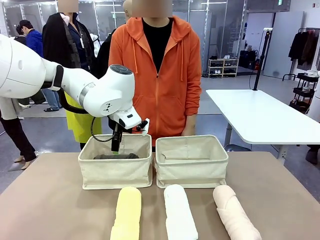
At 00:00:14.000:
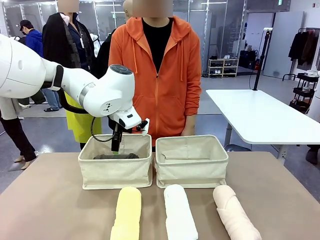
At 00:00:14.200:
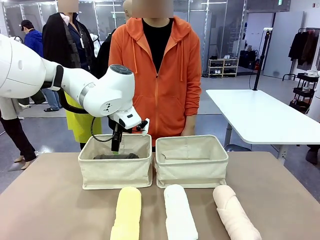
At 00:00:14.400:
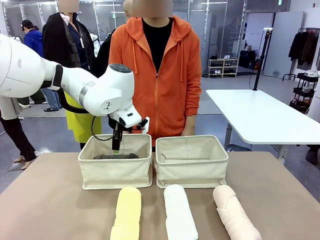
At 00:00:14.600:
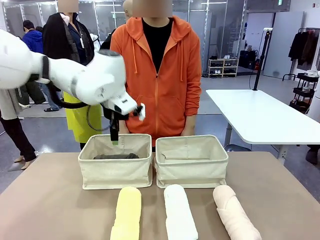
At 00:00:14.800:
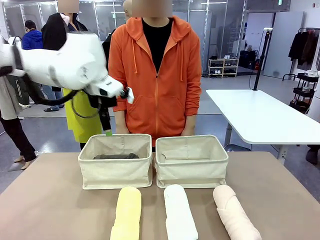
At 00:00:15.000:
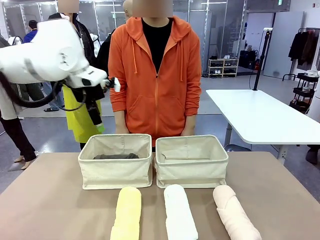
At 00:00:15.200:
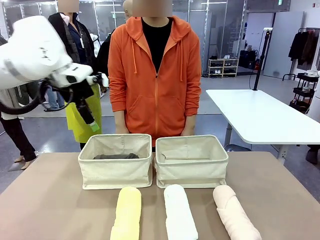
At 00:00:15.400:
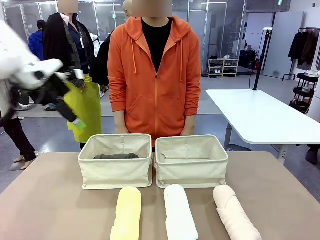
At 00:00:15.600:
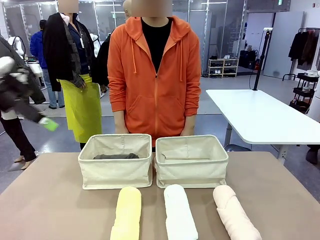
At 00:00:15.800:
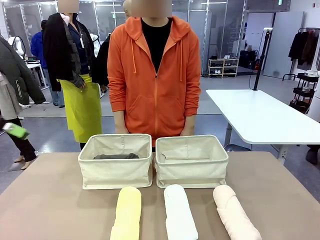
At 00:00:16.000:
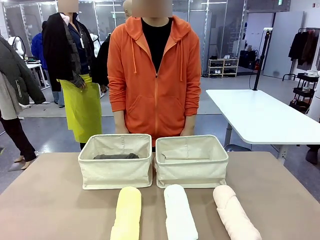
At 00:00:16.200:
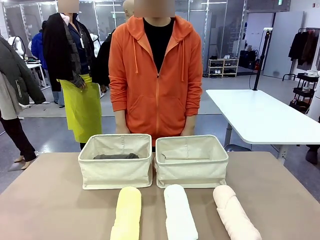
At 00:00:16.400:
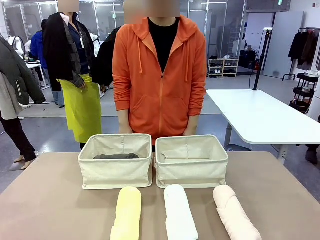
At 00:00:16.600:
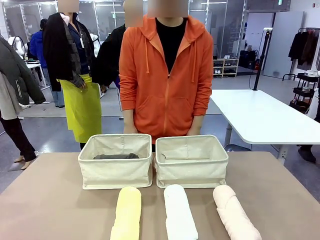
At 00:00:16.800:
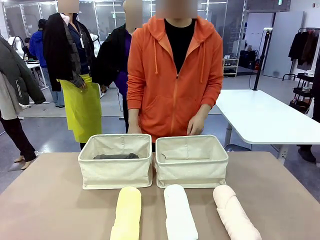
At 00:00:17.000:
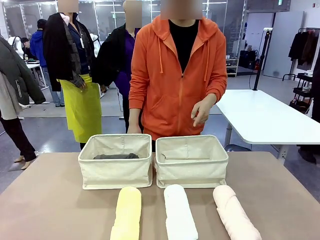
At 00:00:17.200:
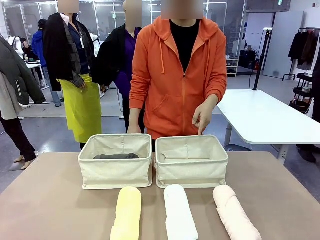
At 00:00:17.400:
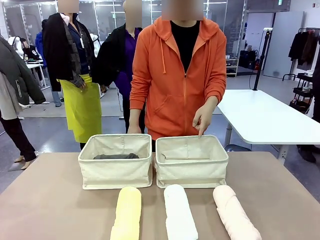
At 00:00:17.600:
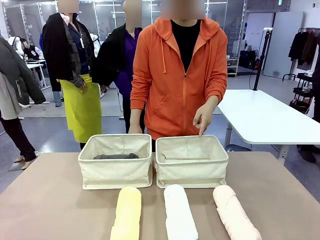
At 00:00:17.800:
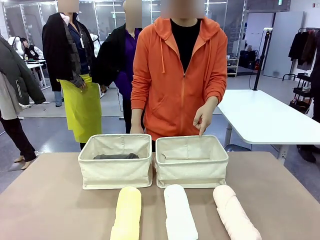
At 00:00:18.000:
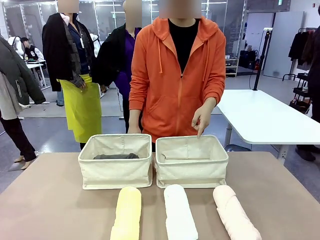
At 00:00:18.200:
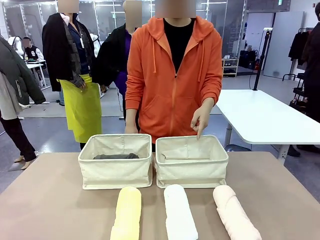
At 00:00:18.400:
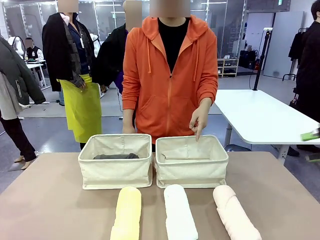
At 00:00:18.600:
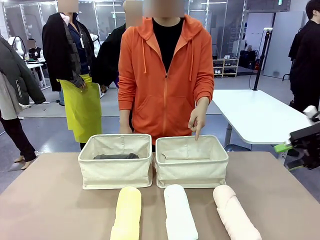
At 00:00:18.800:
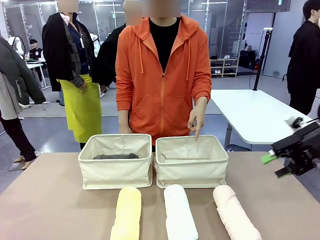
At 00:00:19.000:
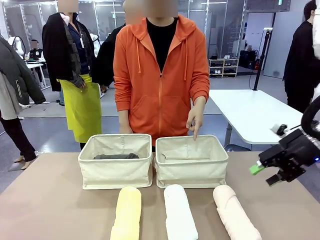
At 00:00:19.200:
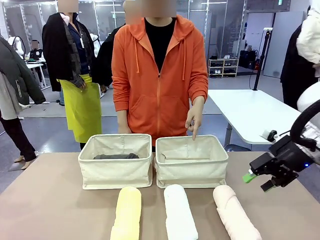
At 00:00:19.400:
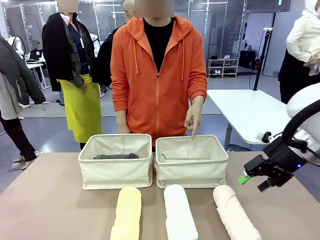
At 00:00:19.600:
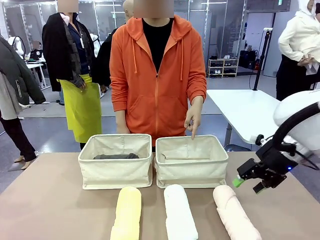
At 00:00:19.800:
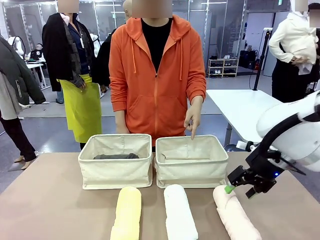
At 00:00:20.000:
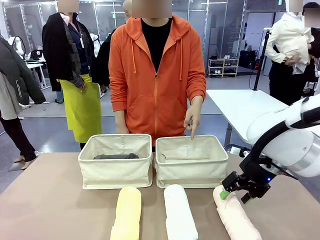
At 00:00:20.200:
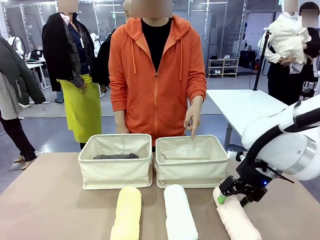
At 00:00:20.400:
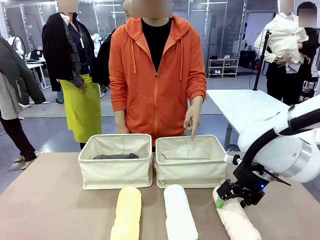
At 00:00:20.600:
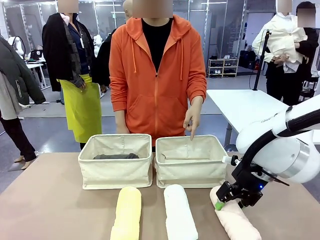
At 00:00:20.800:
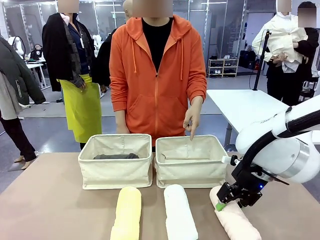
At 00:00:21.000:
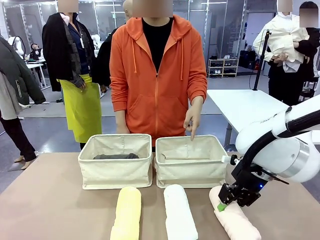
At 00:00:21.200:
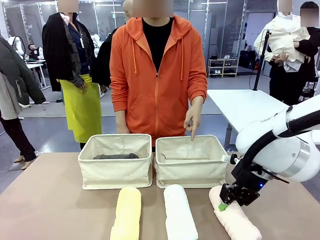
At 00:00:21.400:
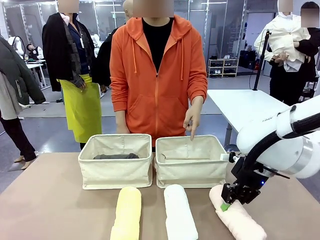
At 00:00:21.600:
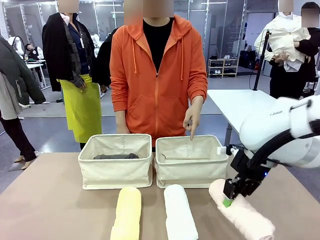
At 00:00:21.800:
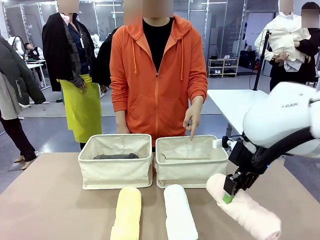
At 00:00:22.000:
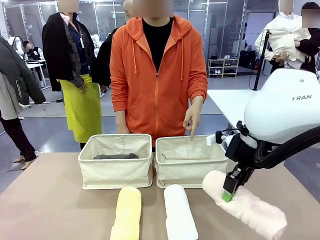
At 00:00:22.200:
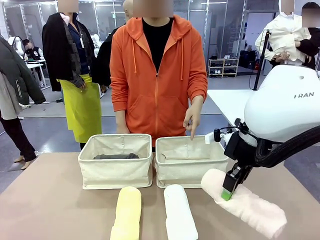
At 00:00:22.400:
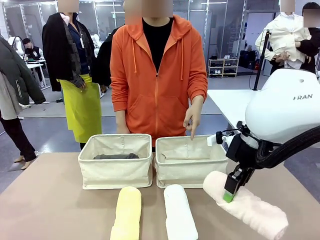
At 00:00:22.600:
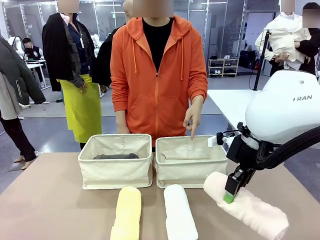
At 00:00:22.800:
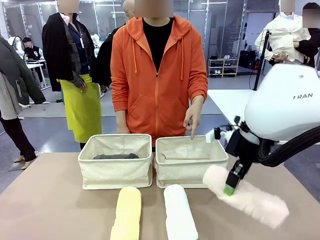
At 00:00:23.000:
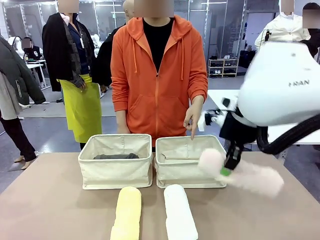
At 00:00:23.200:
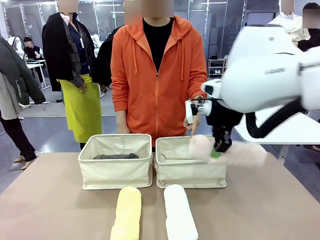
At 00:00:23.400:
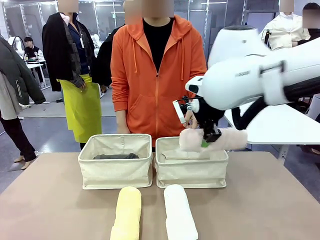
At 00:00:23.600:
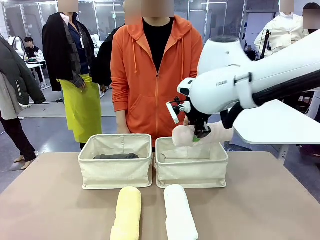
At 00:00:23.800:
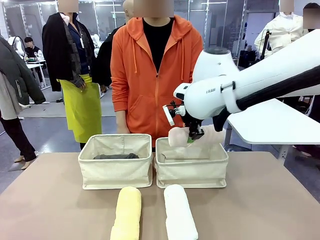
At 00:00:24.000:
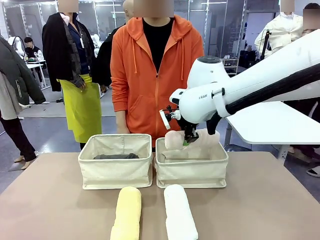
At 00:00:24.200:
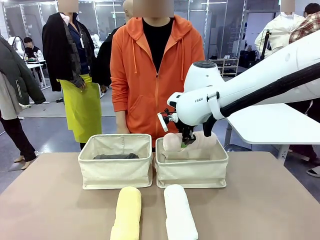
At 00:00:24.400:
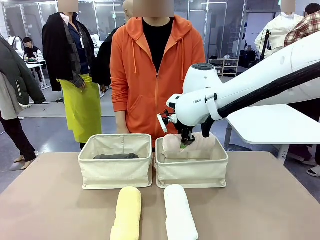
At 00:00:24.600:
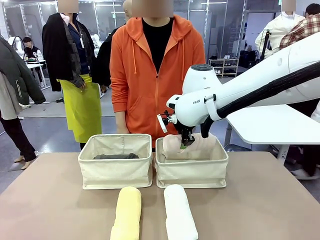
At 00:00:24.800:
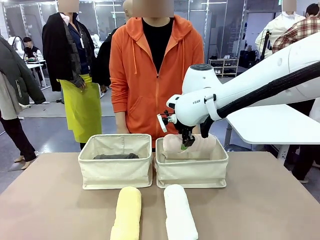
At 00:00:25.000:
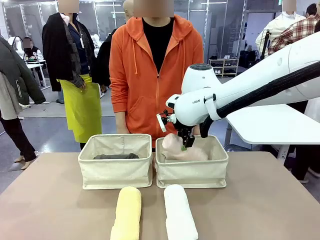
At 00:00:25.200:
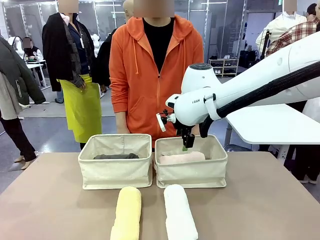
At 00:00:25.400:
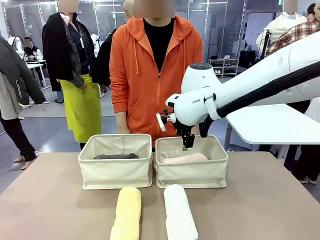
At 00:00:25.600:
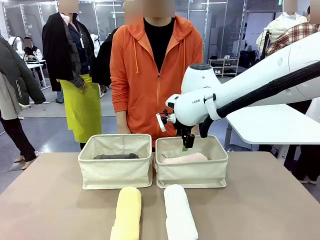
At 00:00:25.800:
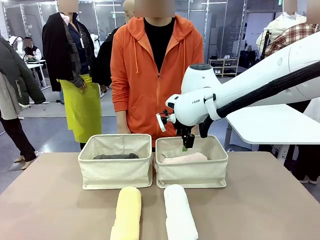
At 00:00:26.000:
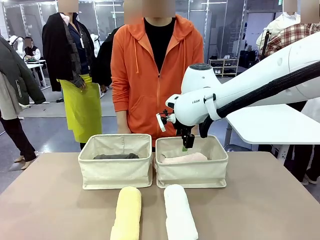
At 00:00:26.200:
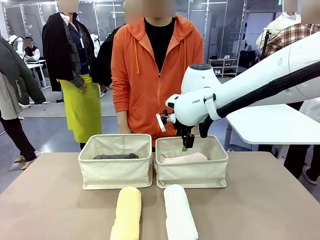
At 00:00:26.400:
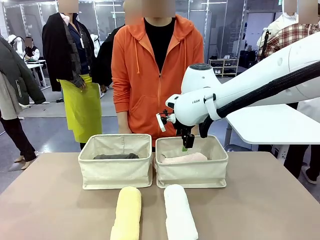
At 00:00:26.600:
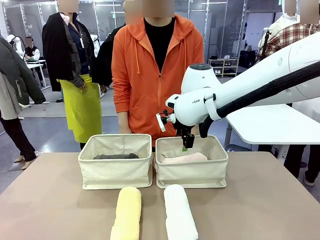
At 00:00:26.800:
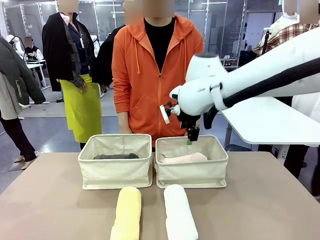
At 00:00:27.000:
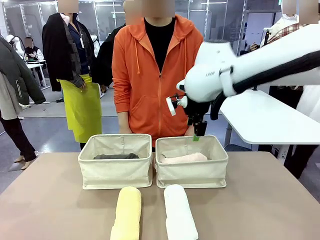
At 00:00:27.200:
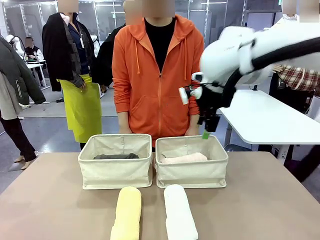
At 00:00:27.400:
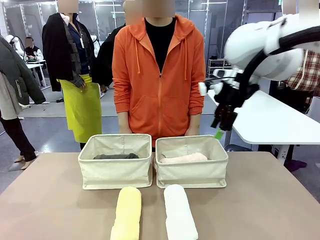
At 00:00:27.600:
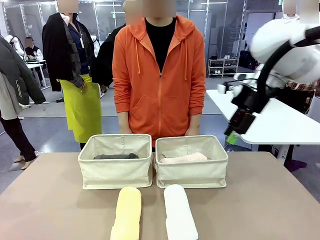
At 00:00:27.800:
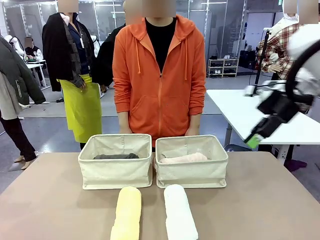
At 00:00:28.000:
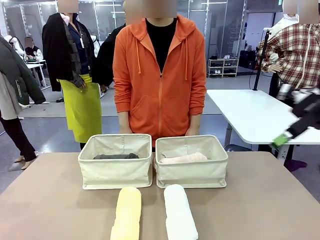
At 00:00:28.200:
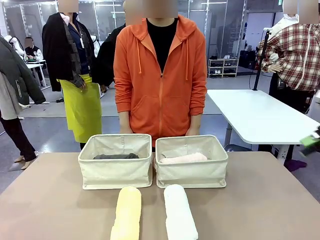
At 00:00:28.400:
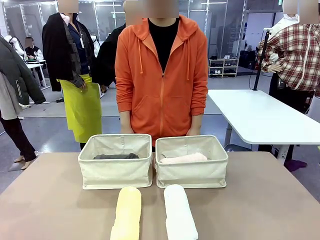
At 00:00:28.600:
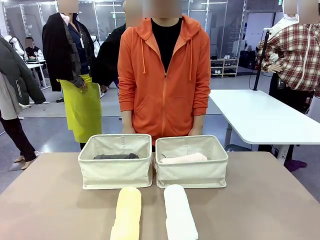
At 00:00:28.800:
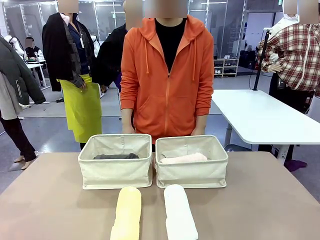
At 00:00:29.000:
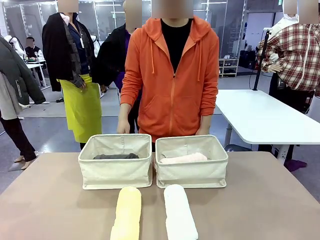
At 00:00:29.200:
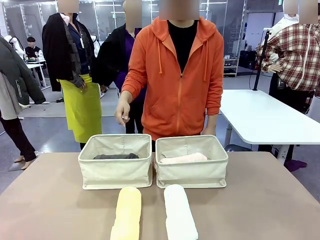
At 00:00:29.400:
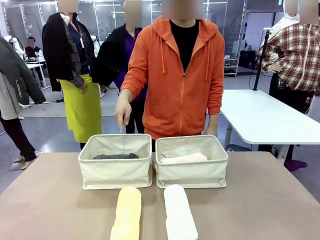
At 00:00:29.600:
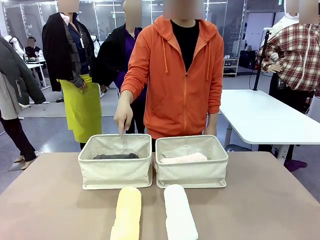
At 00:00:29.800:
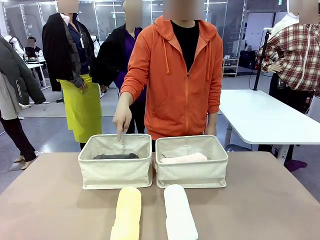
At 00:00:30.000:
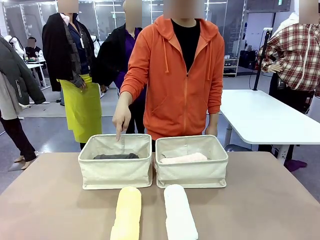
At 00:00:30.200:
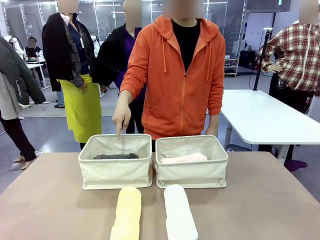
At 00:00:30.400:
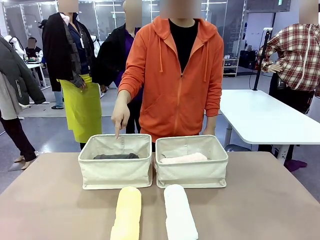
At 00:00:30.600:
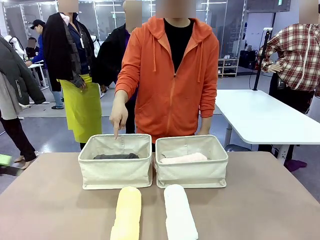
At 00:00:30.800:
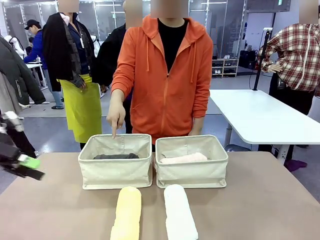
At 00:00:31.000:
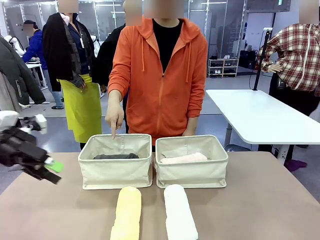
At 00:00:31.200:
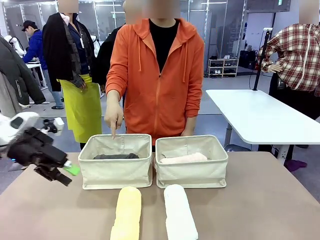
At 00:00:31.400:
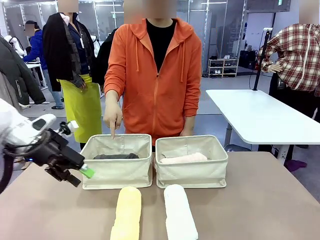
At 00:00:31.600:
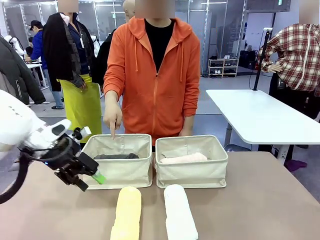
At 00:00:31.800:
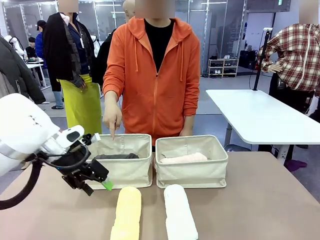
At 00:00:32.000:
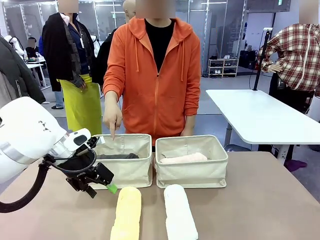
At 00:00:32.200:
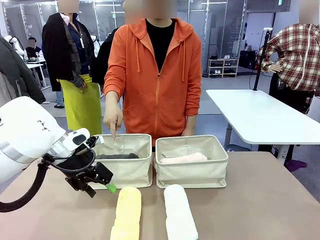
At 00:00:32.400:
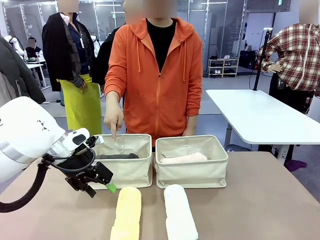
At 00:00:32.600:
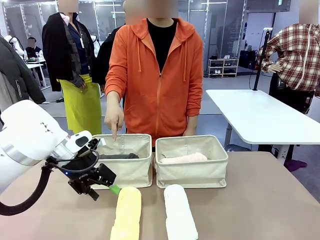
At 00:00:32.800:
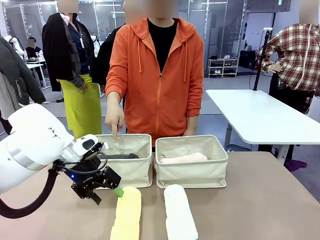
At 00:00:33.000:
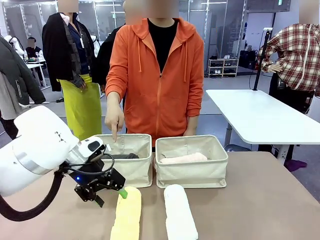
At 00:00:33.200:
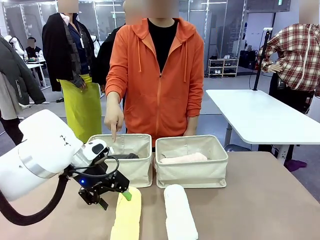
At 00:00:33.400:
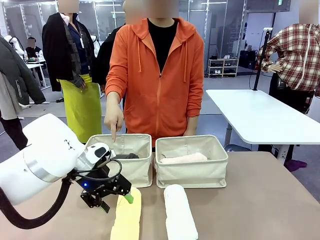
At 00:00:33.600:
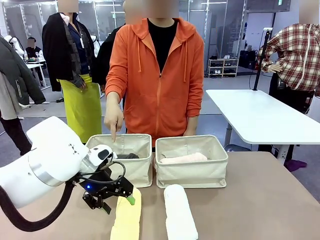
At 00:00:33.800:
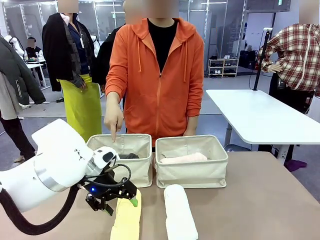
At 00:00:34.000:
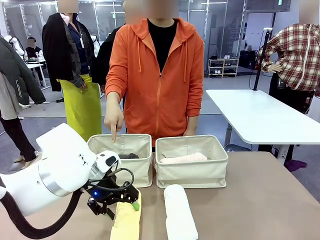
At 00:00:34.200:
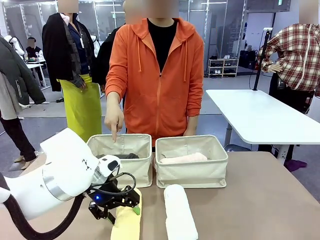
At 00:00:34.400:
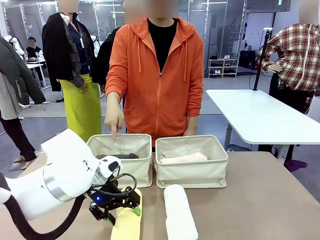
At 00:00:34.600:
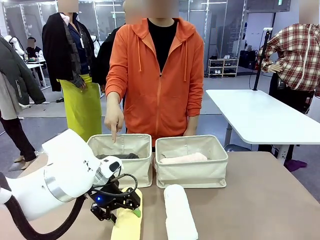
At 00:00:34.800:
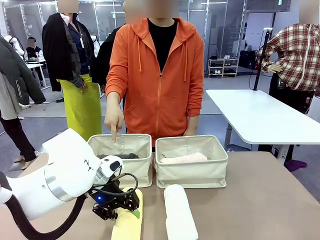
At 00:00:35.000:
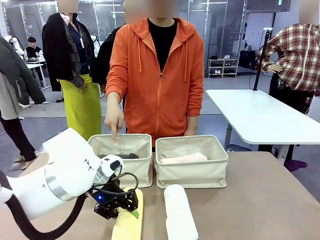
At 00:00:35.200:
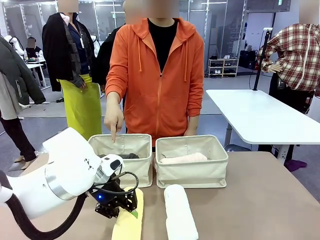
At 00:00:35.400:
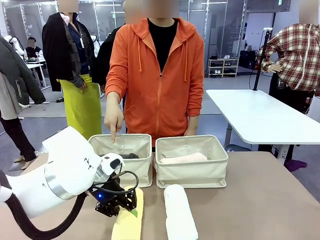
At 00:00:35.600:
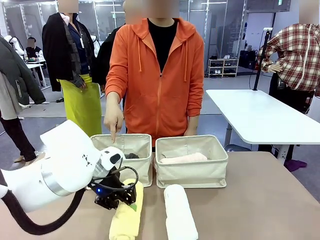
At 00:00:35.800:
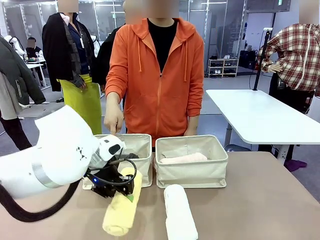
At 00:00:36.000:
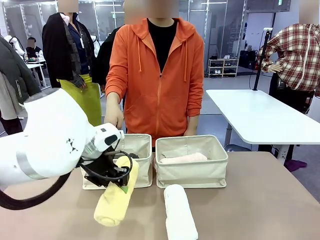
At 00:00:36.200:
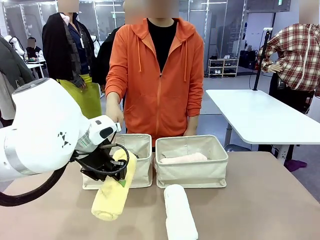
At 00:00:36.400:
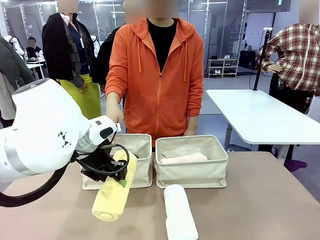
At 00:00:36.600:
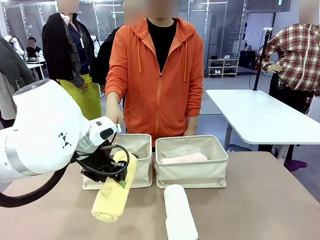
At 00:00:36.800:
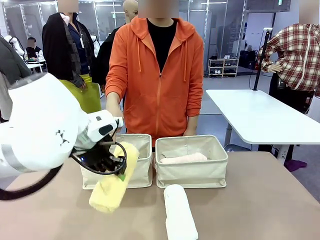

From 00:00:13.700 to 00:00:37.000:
Task: Divide the towels into two baskets.
Robot: Pick up one hotel-folded towel from the bottom of the table and place it in the Fabric basket indicated by the person.
